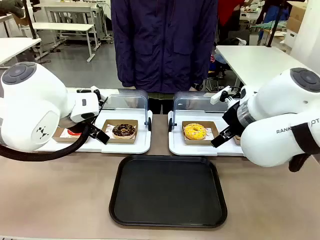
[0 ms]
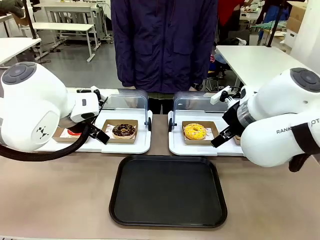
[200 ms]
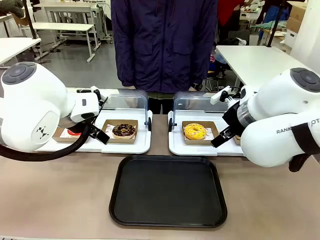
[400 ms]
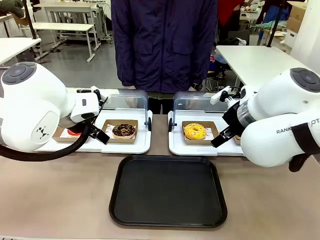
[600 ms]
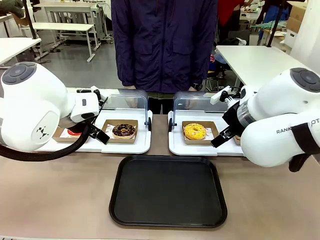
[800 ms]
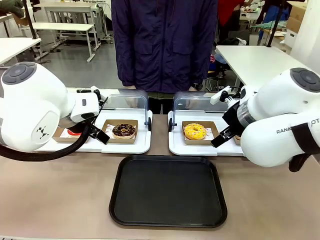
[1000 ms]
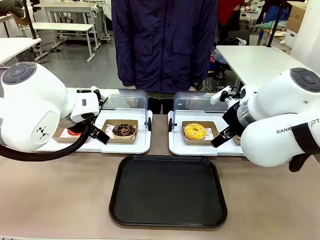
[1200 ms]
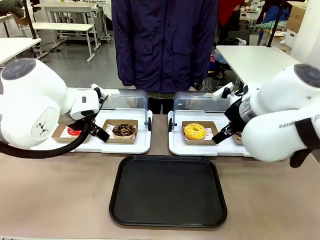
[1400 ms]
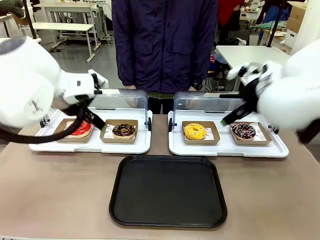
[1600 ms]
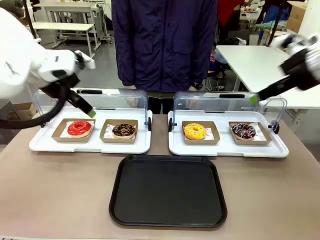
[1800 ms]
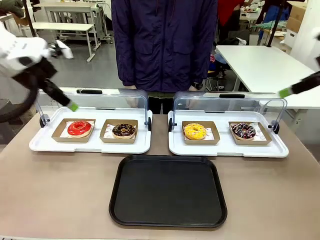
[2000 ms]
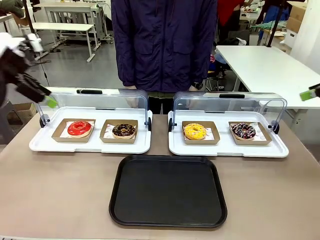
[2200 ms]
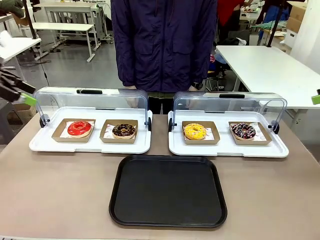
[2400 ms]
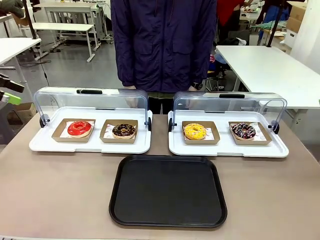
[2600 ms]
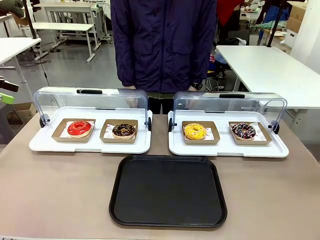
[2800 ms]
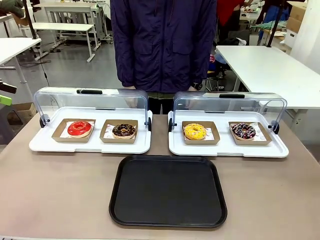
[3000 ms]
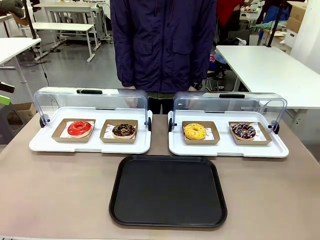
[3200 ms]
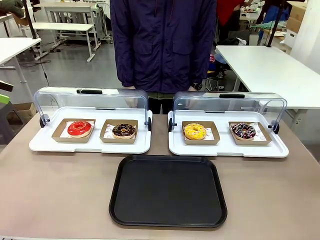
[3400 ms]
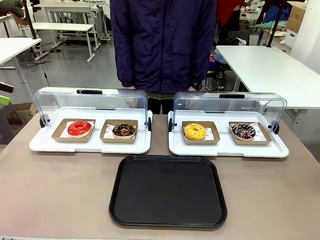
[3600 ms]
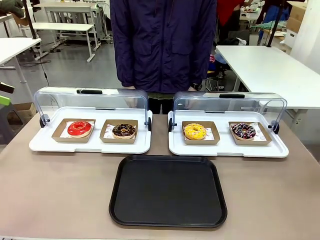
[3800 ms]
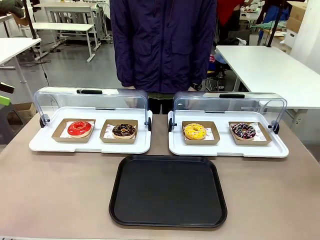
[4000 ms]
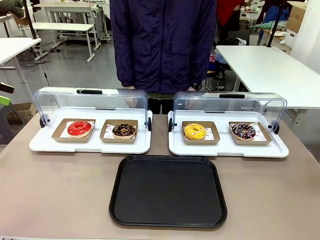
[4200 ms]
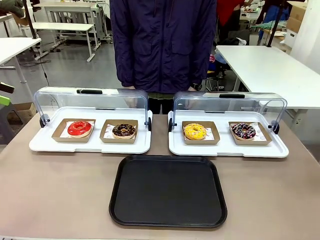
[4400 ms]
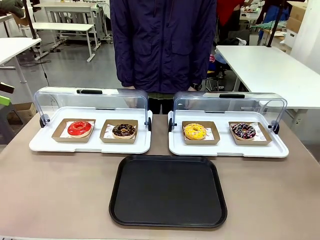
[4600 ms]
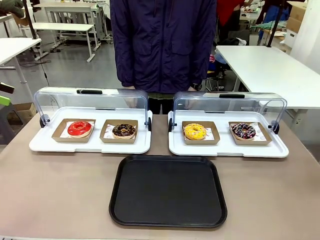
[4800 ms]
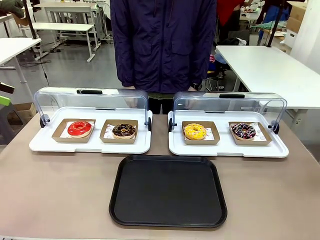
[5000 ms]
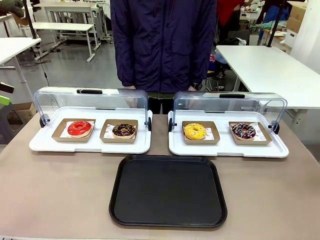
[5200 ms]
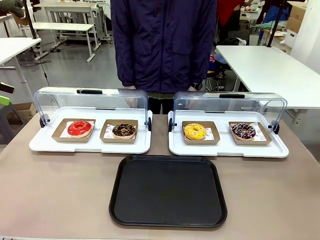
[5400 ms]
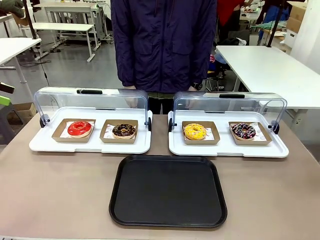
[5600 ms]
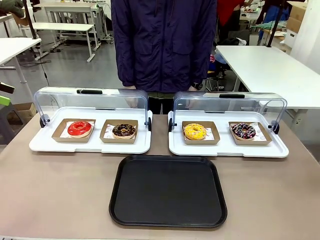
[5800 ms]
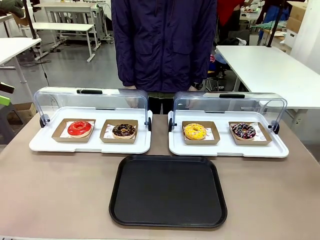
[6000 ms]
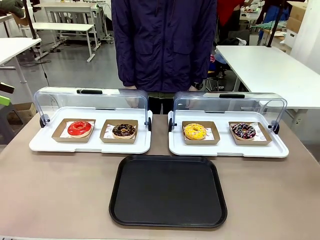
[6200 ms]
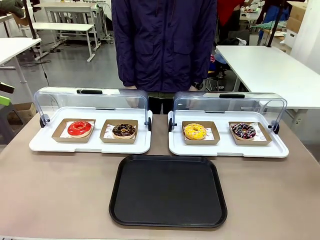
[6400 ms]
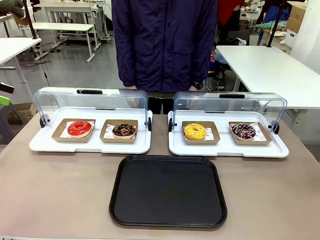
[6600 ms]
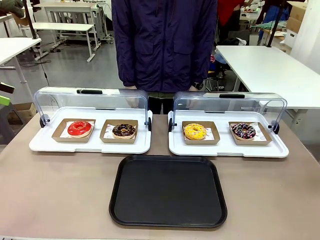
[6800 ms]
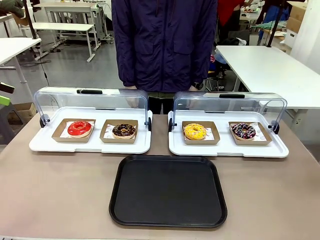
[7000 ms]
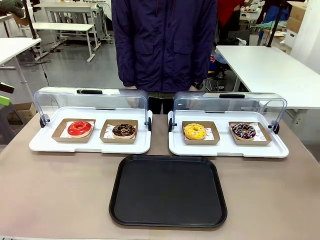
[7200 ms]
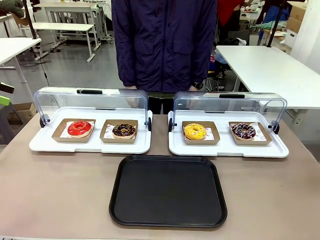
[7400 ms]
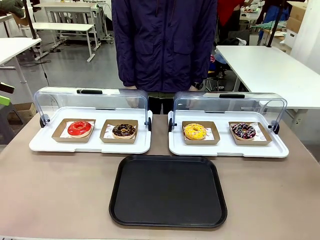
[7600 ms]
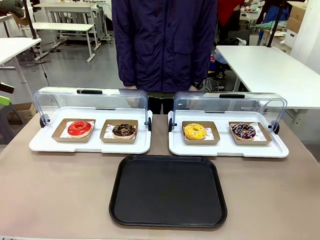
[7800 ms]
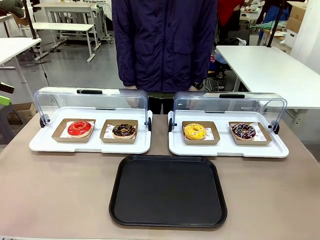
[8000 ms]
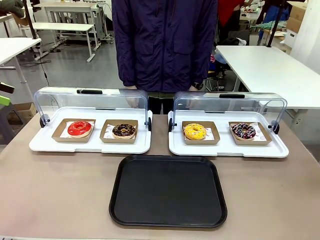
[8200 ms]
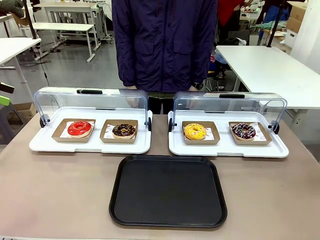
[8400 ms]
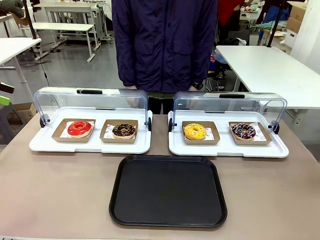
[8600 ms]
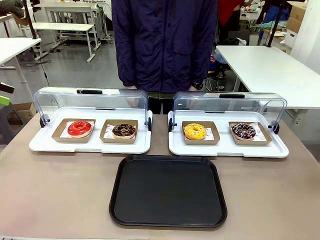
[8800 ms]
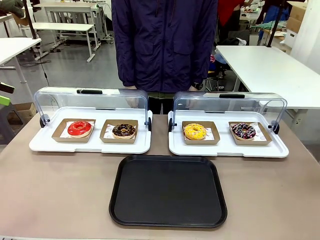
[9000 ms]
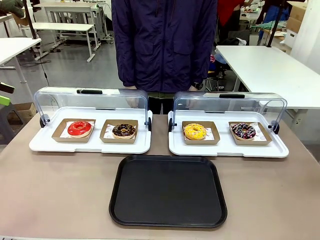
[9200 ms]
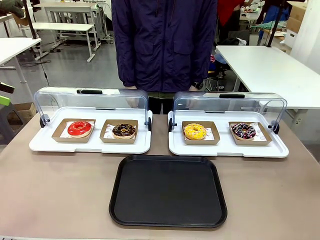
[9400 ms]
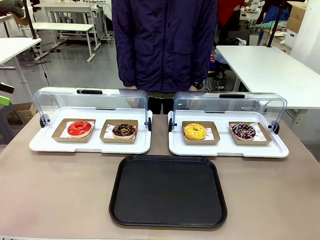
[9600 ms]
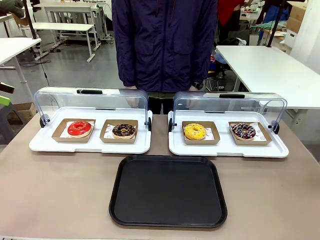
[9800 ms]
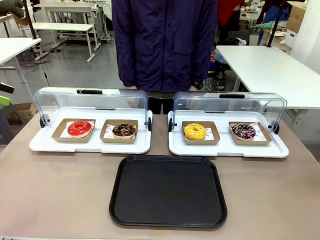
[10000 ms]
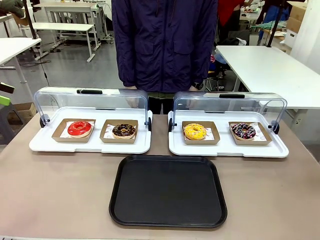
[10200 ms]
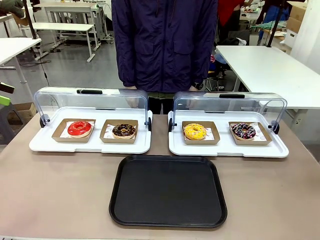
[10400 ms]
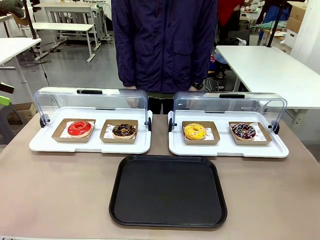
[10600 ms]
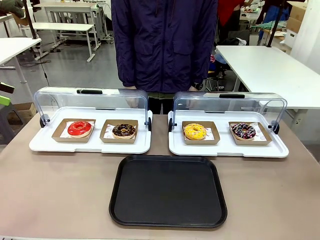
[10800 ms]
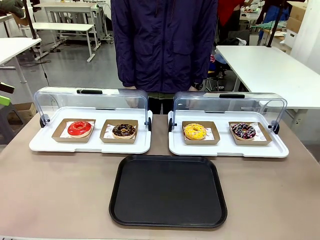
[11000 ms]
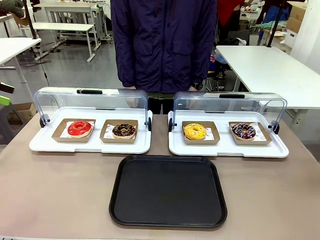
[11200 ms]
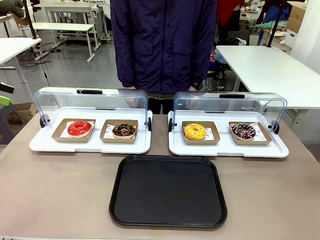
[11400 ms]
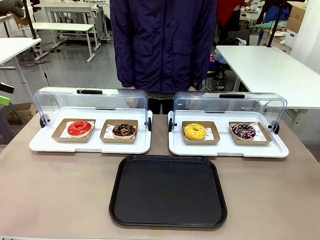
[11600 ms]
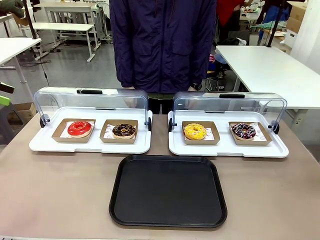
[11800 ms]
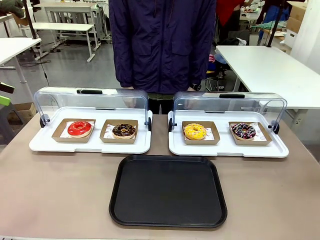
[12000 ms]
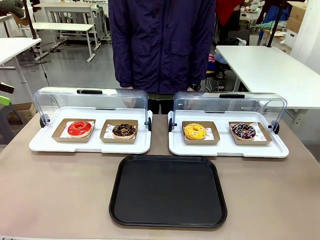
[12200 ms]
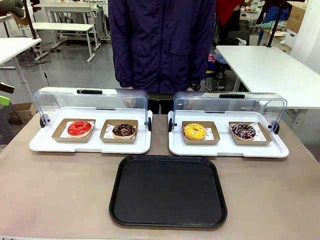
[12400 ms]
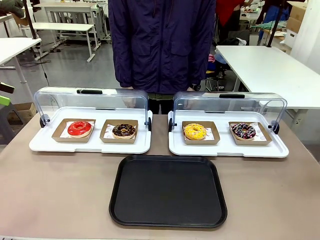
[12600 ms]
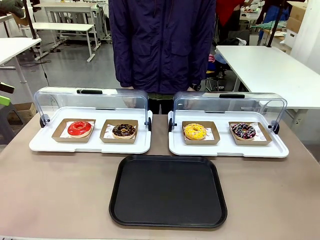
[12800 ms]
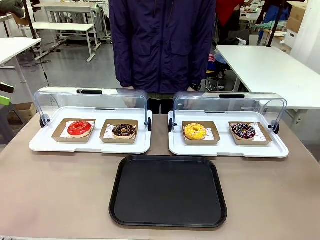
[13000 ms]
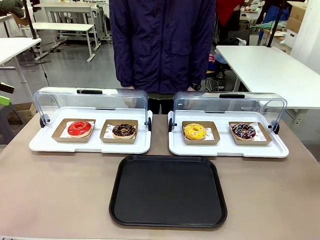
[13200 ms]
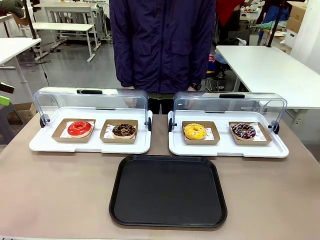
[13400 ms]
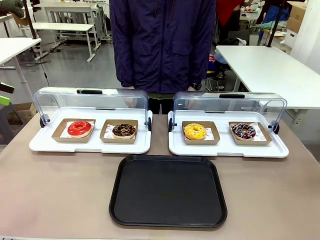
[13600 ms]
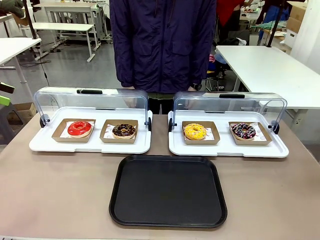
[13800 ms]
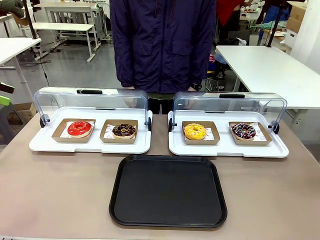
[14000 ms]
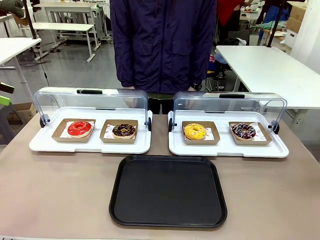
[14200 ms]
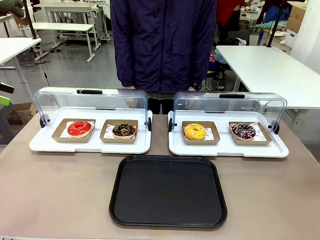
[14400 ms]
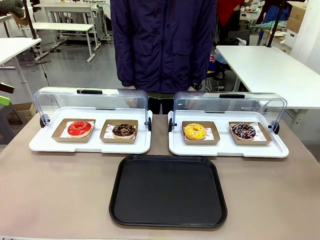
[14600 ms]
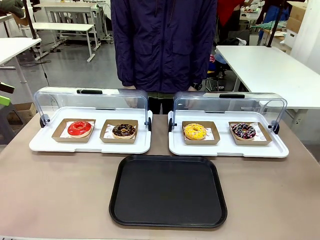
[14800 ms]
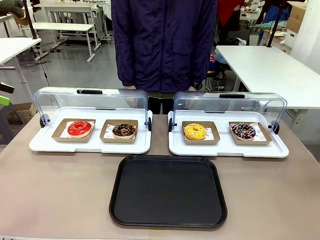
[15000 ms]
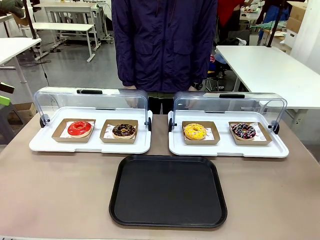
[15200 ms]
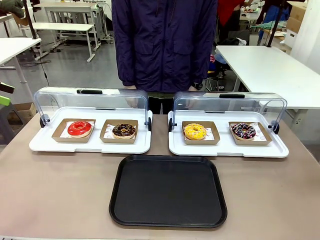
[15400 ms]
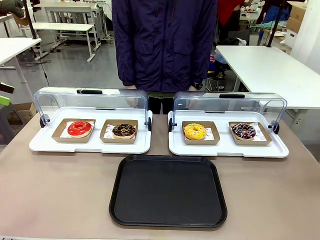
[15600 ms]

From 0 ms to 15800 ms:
Task: Move the second donut from the left to the tray.
Robot: Pick up the Paper togo box containing the Donut indicated by the person and place it on the Handle tray.
